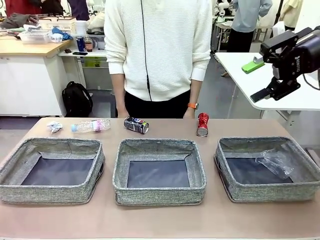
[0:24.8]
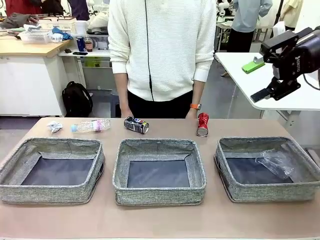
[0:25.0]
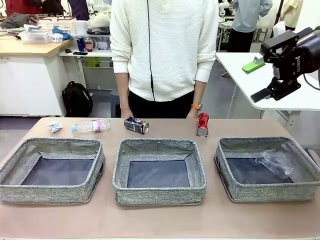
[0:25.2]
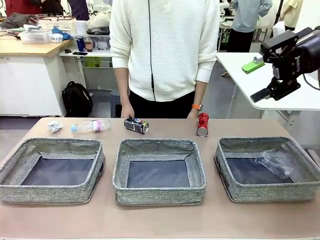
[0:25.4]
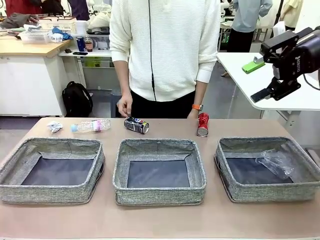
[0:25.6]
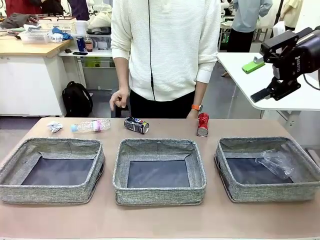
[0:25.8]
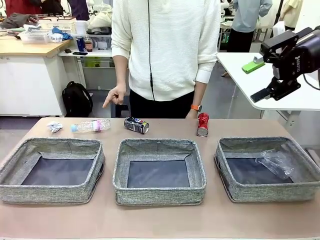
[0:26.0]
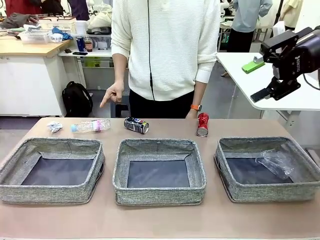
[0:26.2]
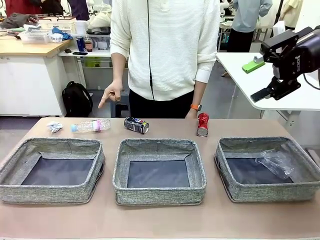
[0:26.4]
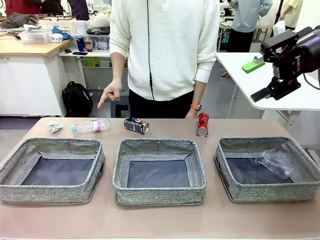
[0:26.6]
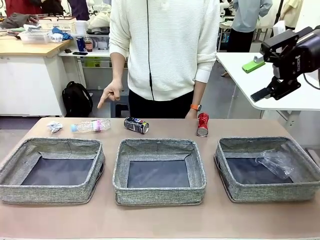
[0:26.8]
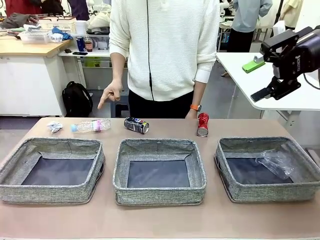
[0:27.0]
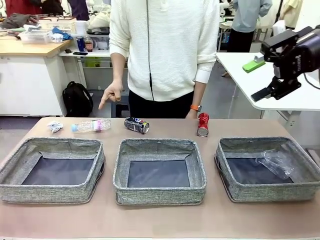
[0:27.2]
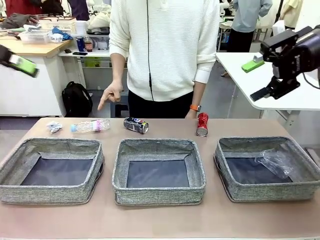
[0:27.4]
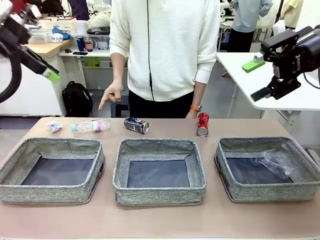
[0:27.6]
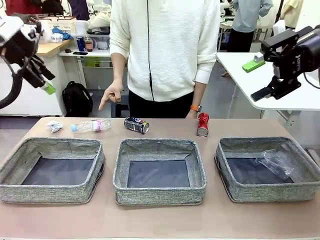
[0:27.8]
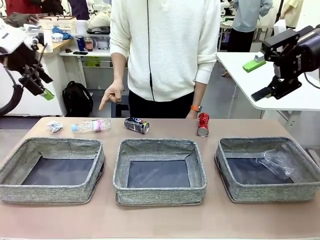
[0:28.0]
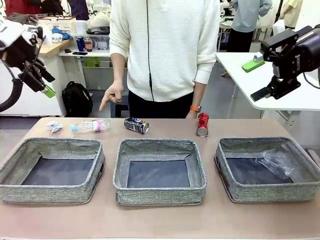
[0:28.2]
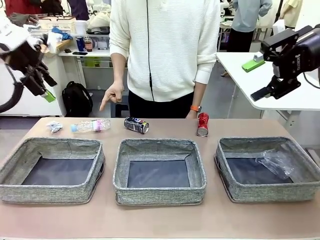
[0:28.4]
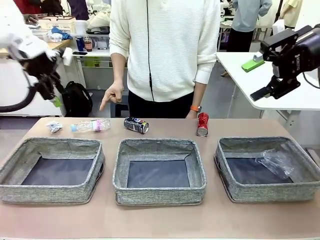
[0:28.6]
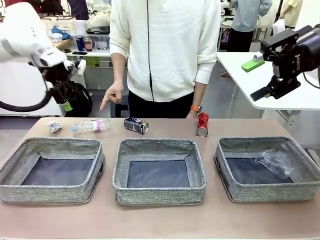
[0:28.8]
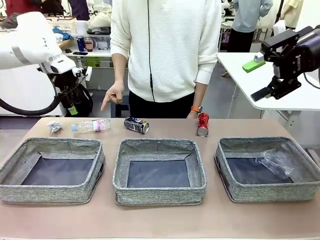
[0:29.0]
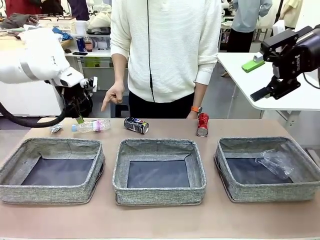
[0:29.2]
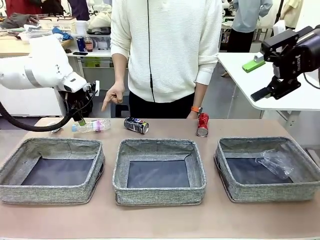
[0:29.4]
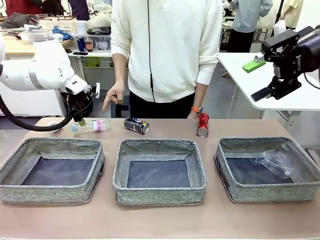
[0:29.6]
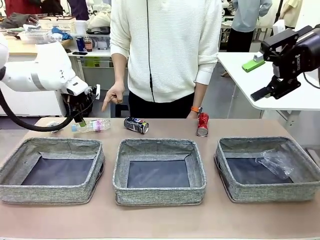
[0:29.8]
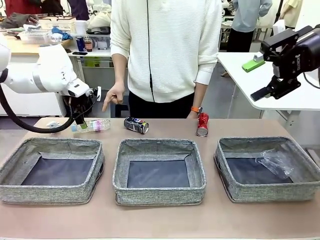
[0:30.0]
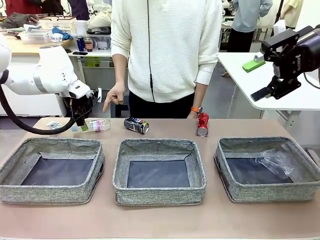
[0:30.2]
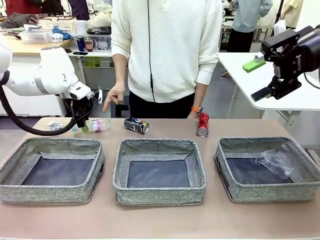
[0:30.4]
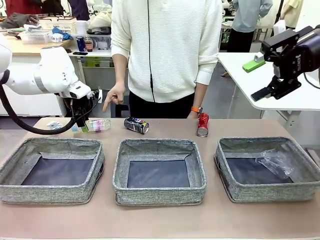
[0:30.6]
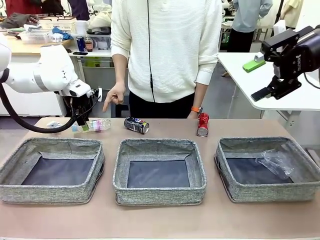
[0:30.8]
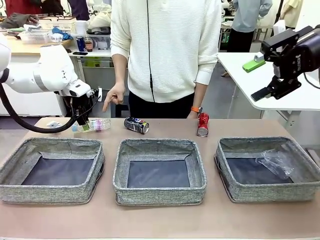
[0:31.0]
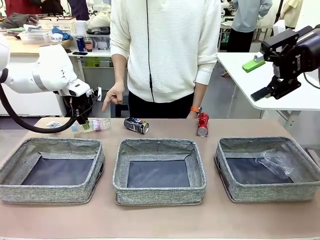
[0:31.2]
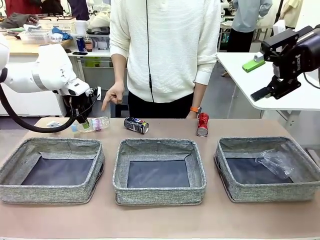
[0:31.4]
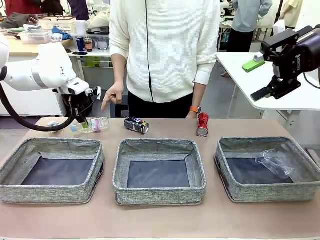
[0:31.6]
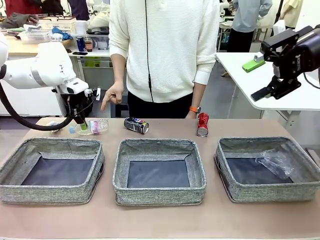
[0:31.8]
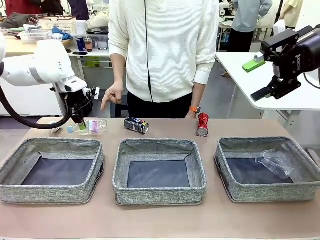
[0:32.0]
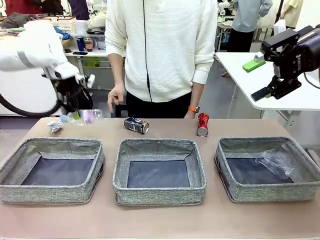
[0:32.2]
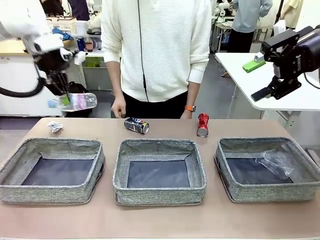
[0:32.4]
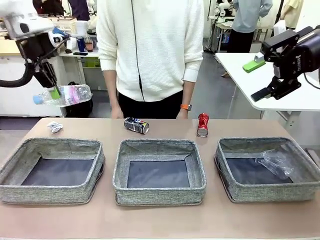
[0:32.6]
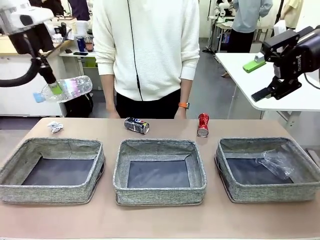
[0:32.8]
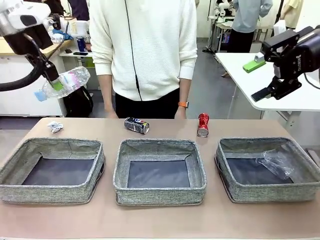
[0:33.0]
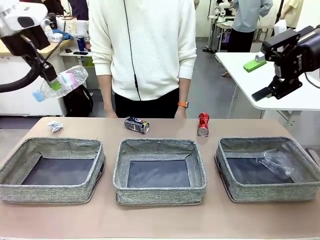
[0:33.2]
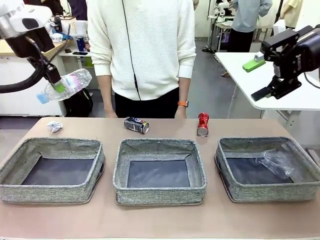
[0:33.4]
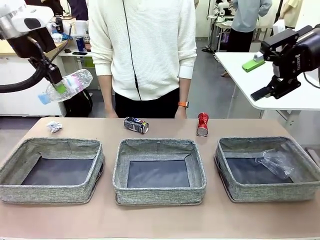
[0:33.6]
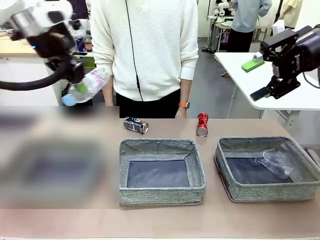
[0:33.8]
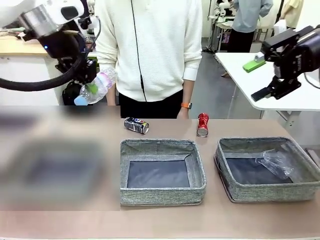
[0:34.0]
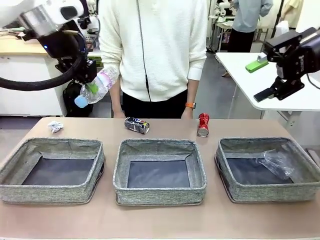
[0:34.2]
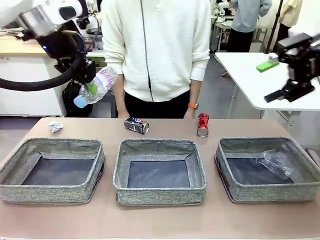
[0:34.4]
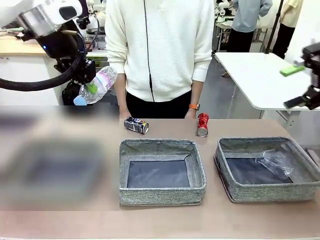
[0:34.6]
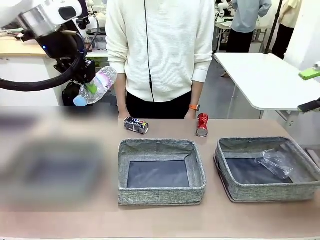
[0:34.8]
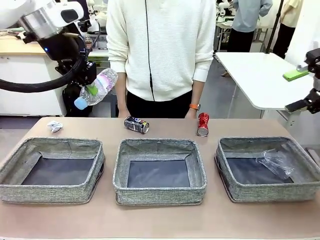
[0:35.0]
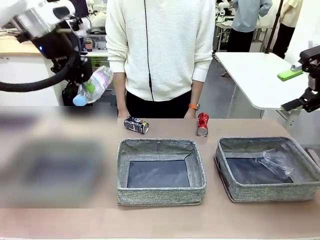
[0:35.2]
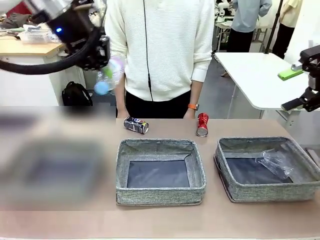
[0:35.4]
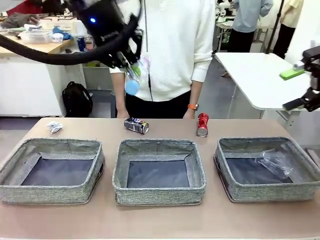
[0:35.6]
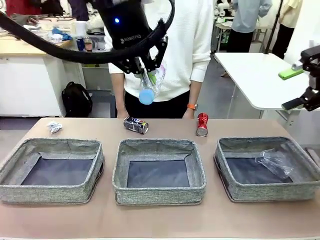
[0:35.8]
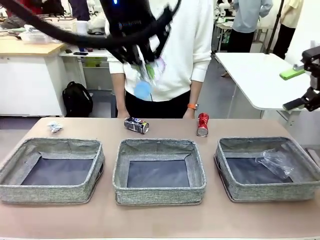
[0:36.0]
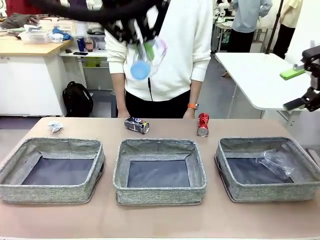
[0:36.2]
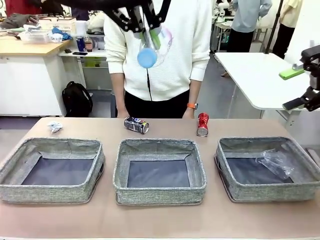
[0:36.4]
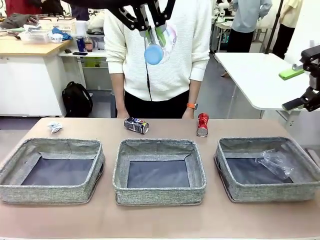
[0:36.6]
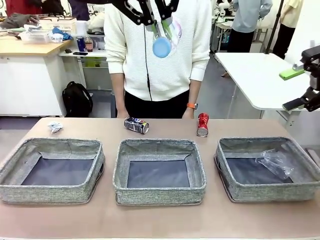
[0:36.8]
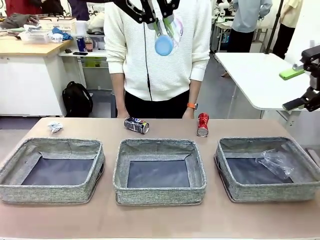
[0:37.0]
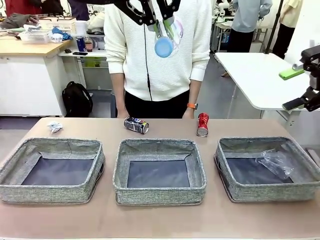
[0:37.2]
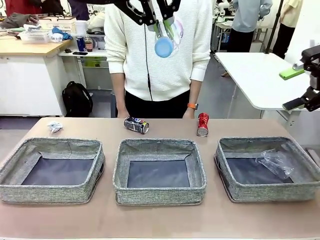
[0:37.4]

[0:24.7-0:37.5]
Task: Sort the waste into the appropriate baskets.
Robot: Pick up the waste item pointed out by the person.
Person: Points to one piece of trash on the table.

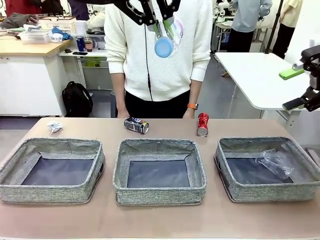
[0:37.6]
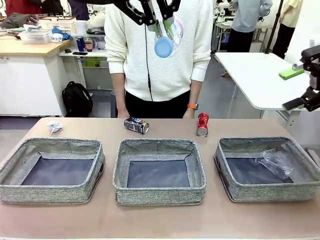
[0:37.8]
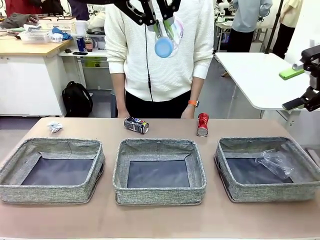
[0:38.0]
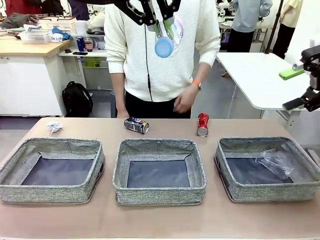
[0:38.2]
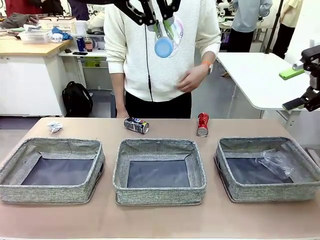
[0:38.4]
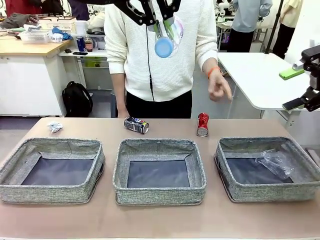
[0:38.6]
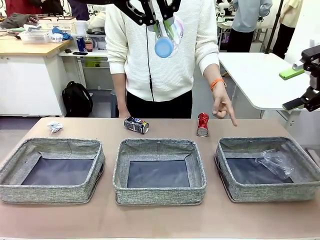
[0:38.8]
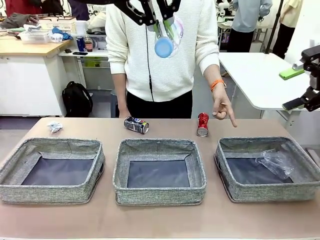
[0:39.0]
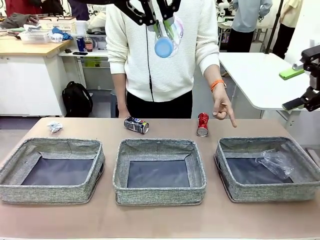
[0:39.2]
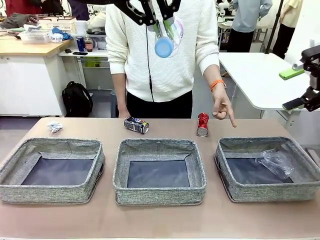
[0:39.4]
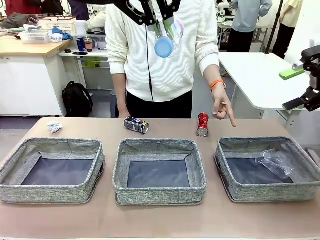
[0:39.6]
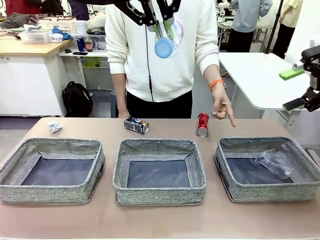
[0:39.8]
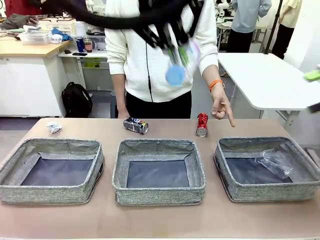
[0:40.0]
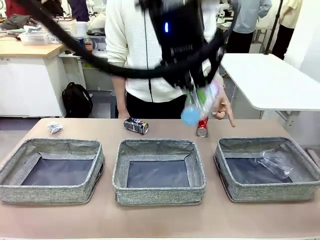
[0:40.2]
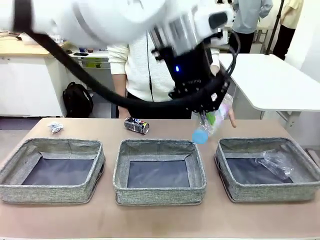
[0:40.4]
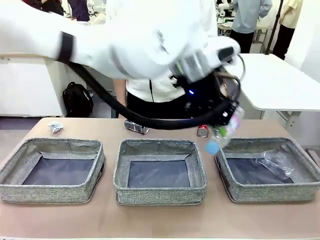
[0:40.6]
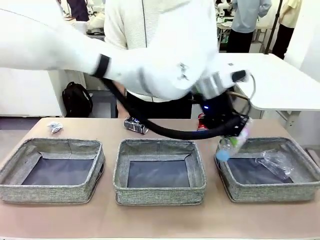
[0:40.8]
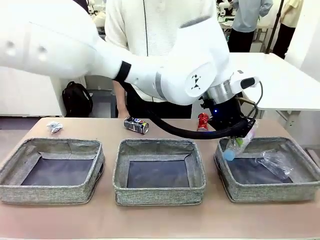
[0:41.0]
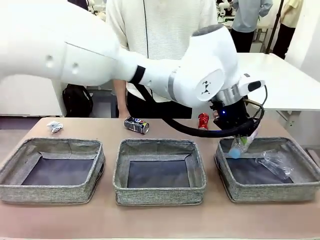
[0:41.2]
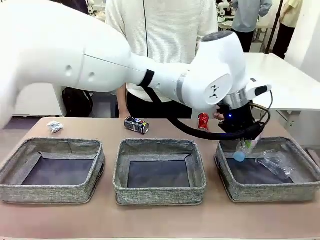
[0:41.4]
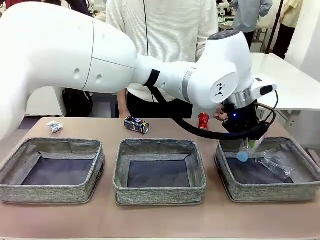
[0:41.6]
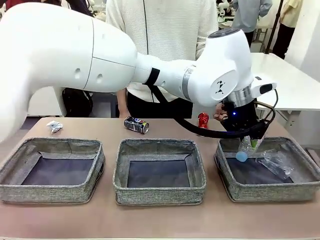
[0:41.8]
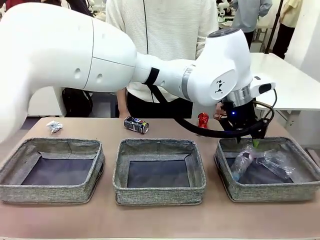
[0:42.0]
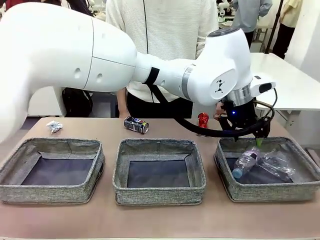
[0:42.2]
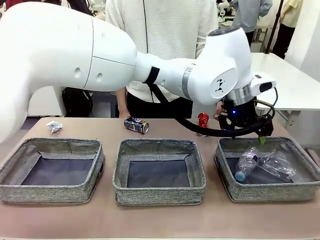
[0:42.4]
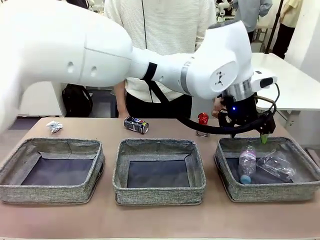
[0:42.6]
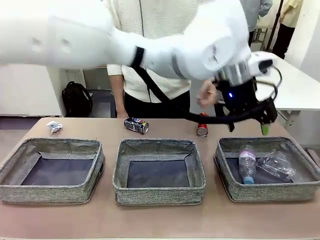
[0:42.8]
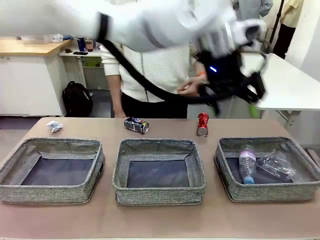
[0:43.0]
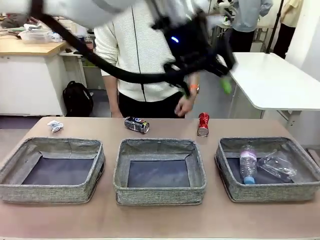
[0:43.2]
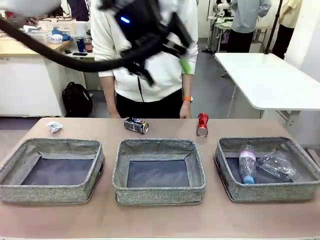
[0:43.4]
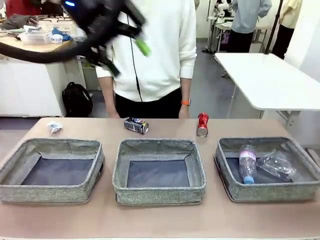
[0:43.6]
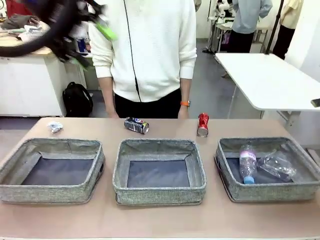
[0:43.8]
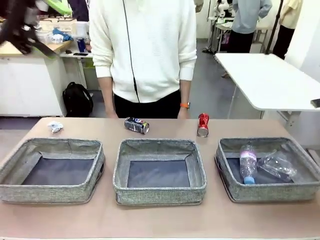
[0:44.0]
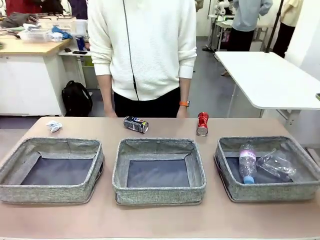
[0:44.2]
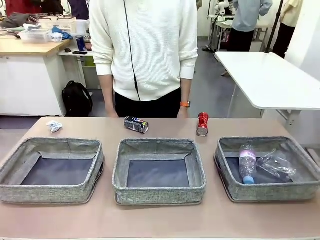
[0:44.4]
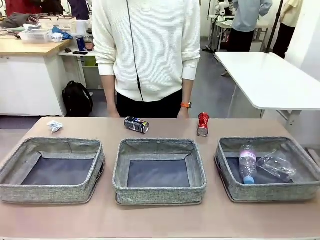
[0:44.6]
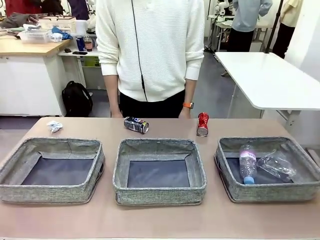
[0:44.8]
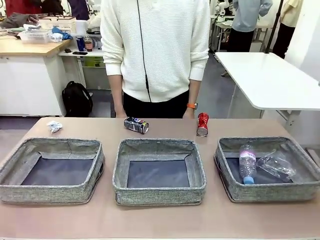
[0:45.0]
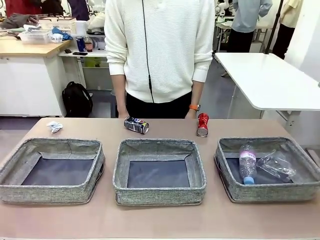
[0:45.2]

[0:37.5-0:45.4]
Robot: Place the picked waste into the Fabric basket indicated by the person.
Person: Instructs the robot to place the picked-up trash into the appropriate organizing basket.
